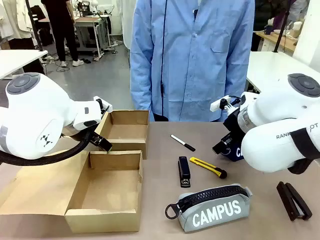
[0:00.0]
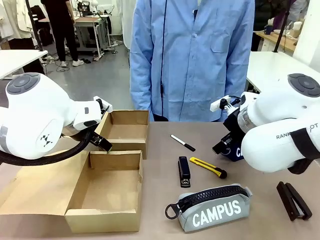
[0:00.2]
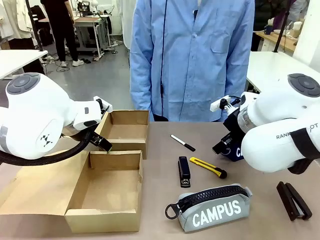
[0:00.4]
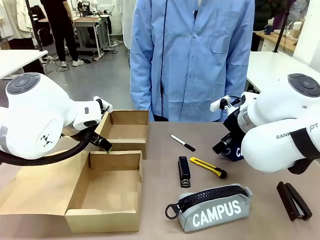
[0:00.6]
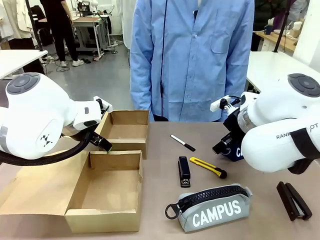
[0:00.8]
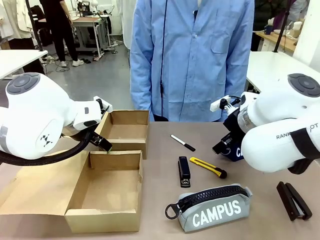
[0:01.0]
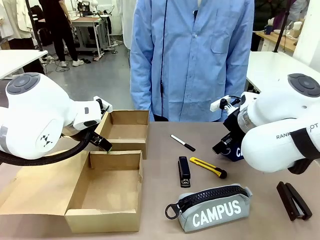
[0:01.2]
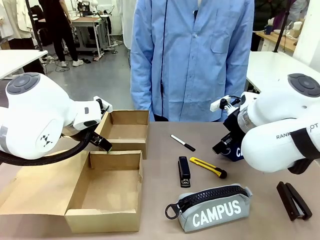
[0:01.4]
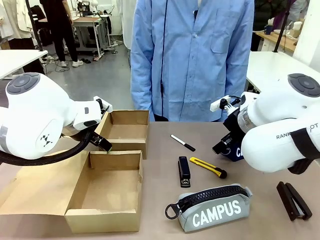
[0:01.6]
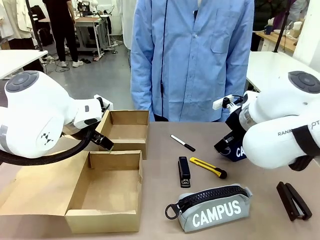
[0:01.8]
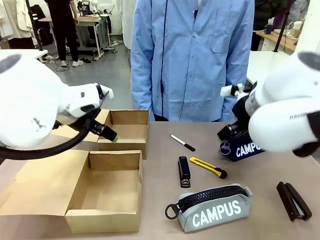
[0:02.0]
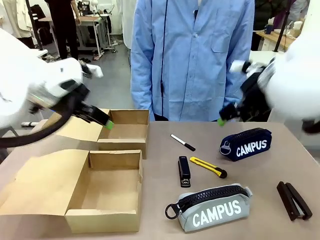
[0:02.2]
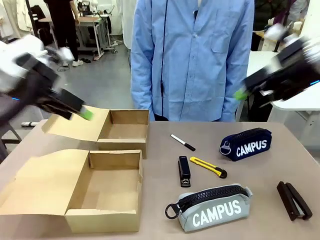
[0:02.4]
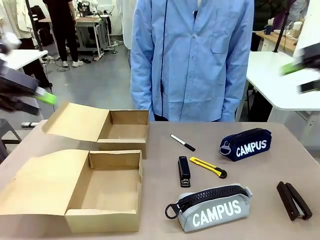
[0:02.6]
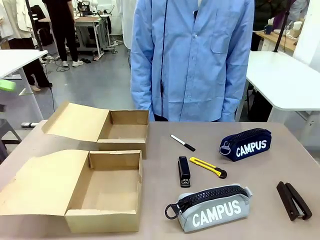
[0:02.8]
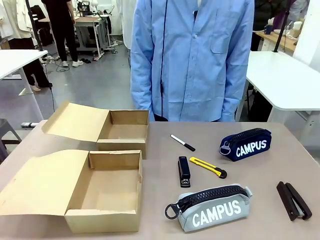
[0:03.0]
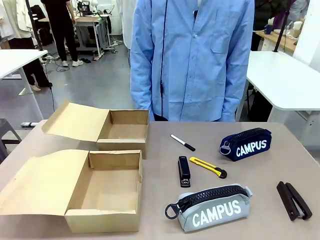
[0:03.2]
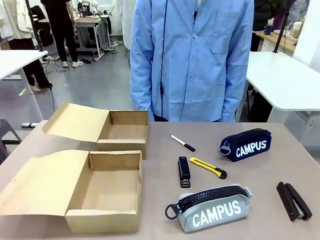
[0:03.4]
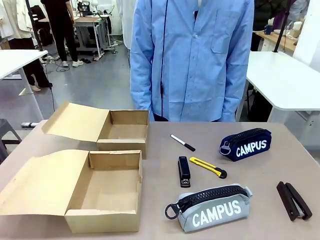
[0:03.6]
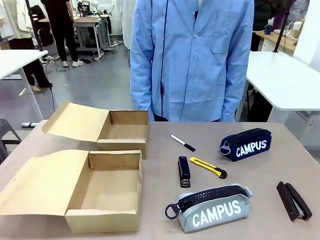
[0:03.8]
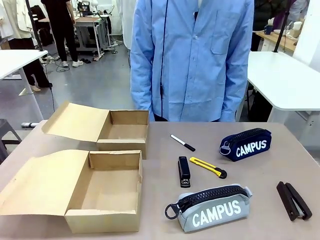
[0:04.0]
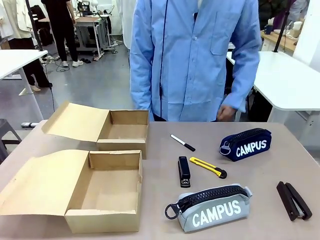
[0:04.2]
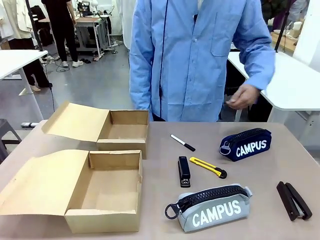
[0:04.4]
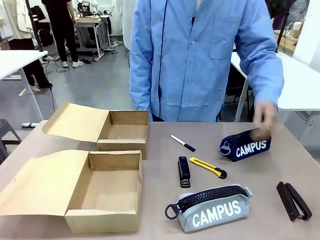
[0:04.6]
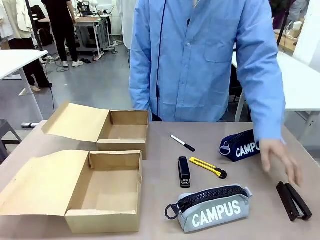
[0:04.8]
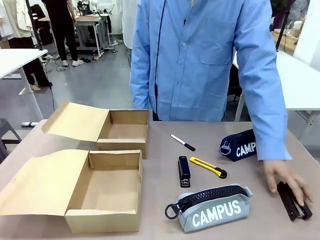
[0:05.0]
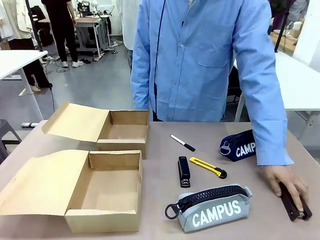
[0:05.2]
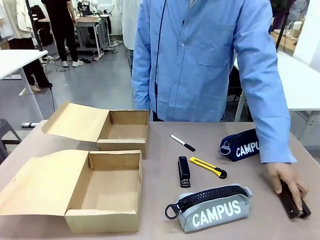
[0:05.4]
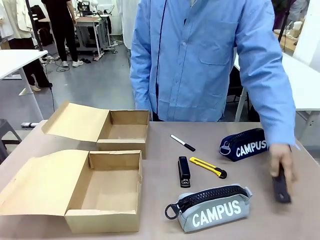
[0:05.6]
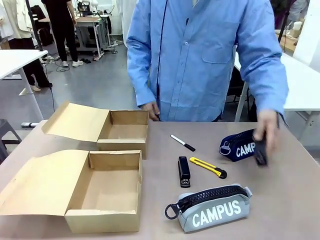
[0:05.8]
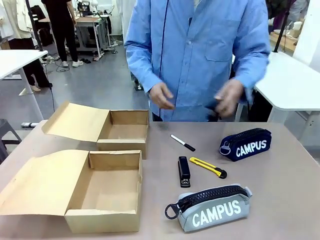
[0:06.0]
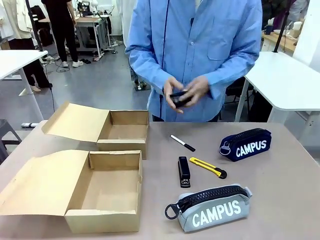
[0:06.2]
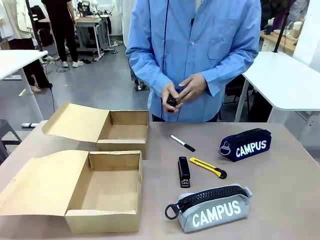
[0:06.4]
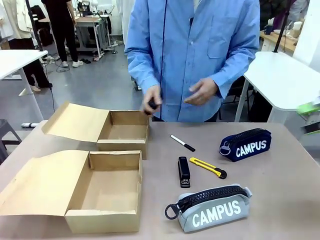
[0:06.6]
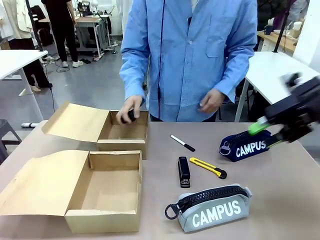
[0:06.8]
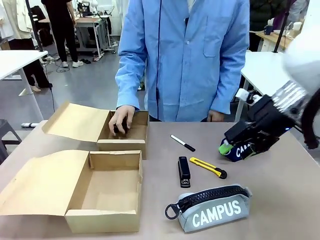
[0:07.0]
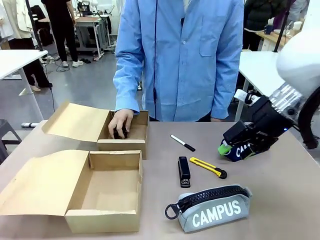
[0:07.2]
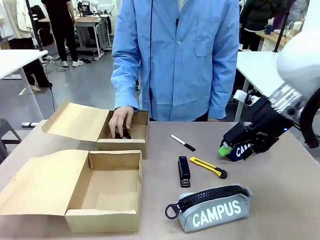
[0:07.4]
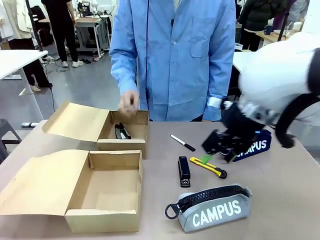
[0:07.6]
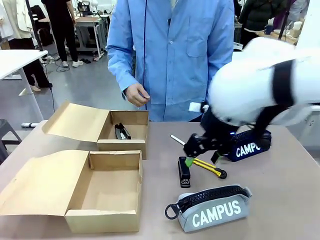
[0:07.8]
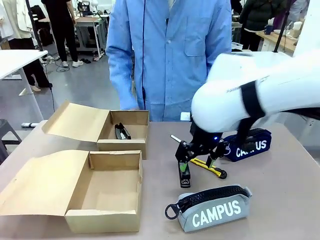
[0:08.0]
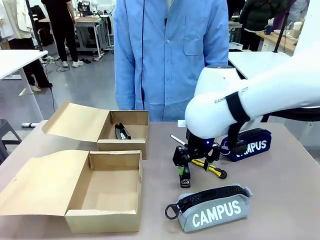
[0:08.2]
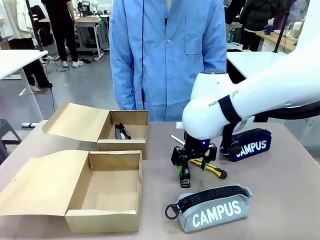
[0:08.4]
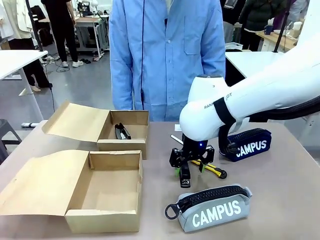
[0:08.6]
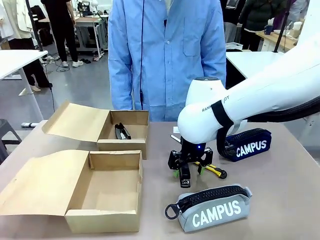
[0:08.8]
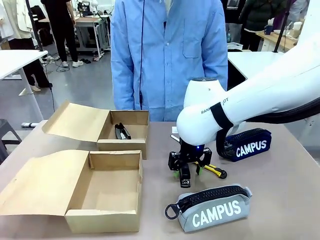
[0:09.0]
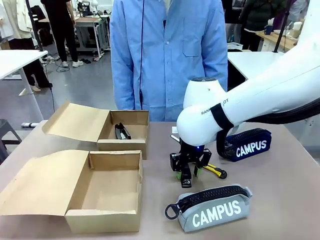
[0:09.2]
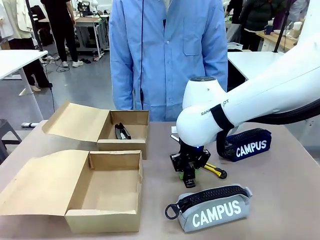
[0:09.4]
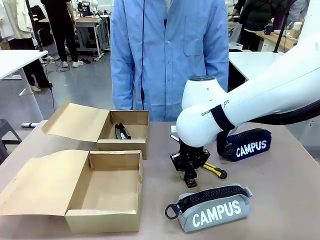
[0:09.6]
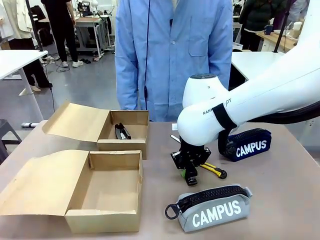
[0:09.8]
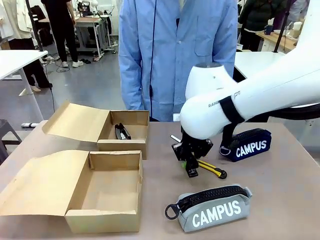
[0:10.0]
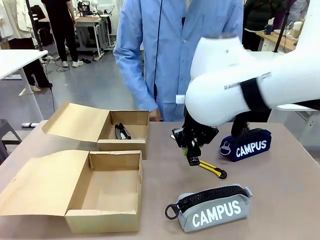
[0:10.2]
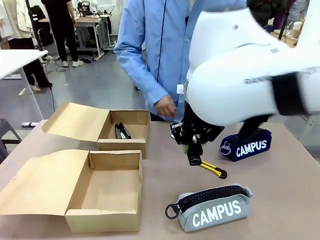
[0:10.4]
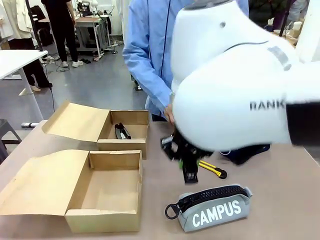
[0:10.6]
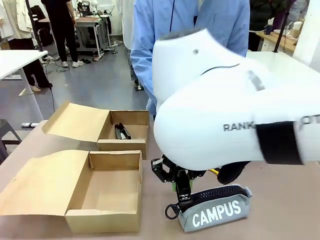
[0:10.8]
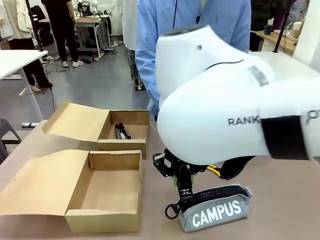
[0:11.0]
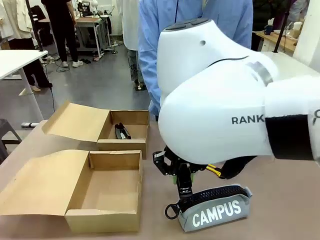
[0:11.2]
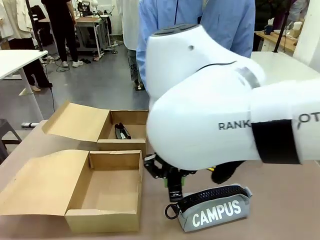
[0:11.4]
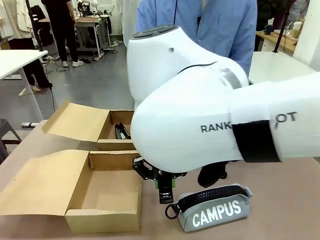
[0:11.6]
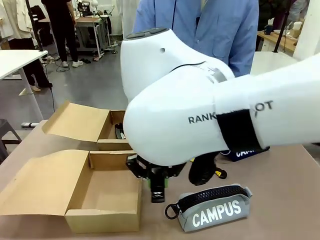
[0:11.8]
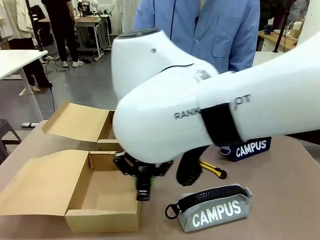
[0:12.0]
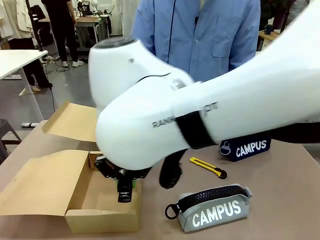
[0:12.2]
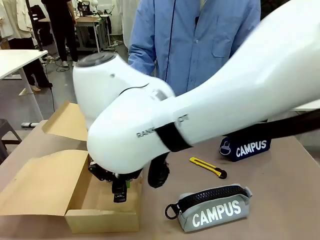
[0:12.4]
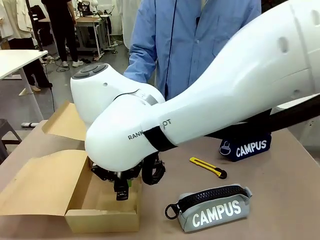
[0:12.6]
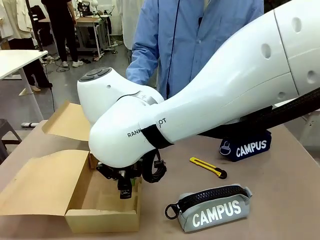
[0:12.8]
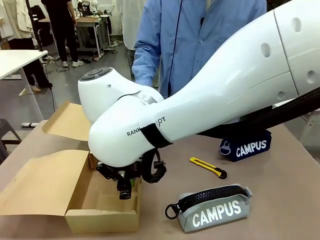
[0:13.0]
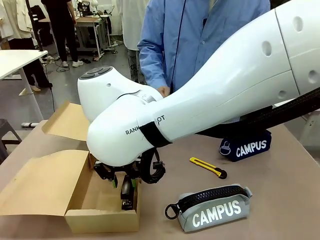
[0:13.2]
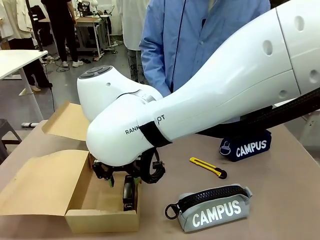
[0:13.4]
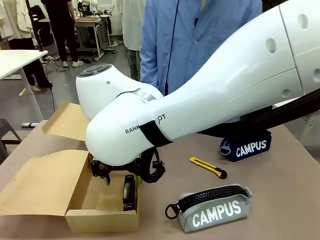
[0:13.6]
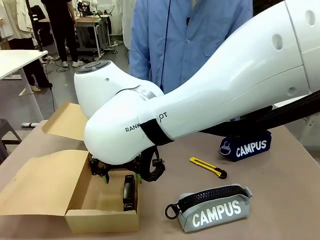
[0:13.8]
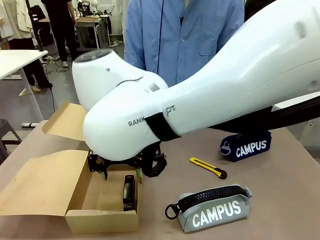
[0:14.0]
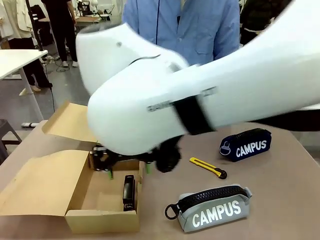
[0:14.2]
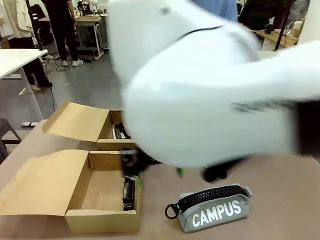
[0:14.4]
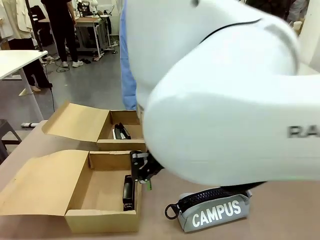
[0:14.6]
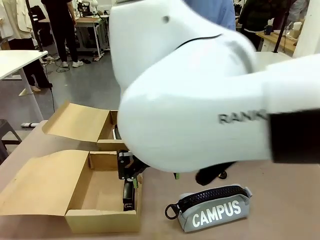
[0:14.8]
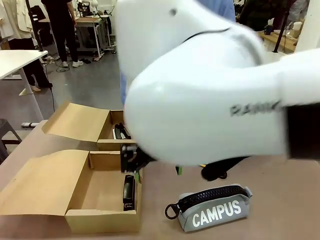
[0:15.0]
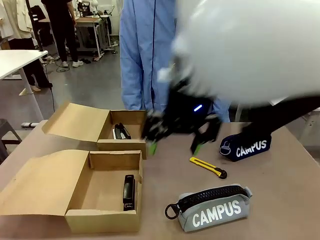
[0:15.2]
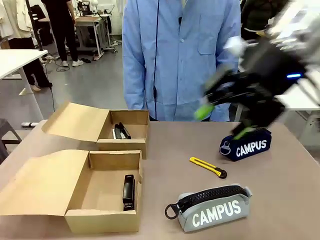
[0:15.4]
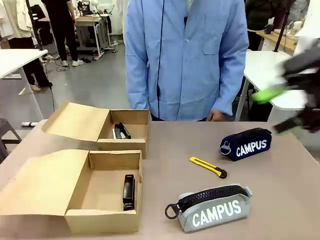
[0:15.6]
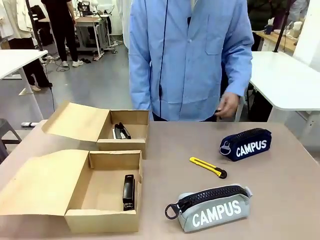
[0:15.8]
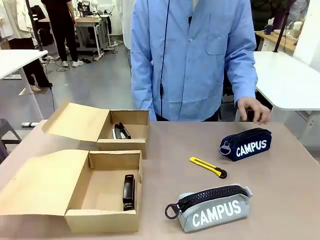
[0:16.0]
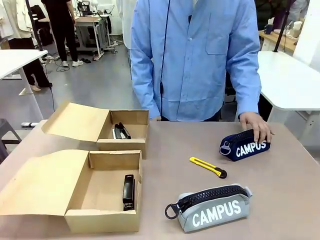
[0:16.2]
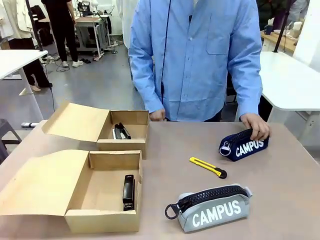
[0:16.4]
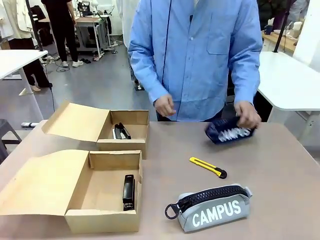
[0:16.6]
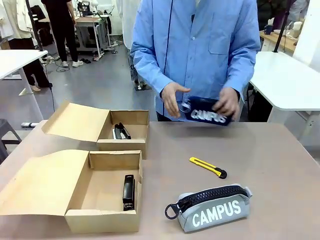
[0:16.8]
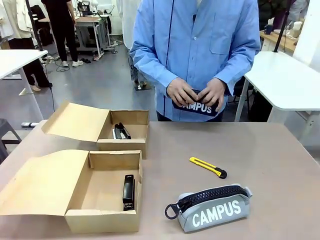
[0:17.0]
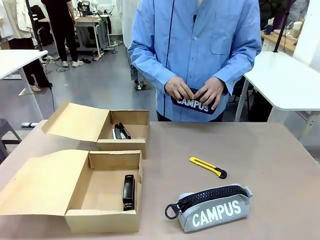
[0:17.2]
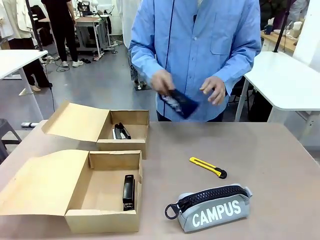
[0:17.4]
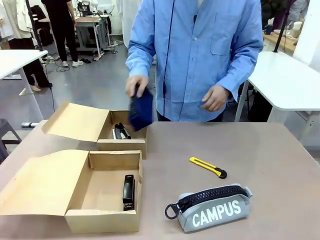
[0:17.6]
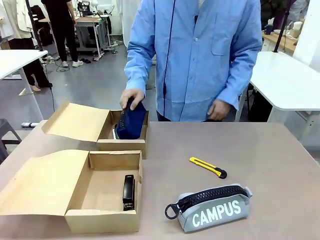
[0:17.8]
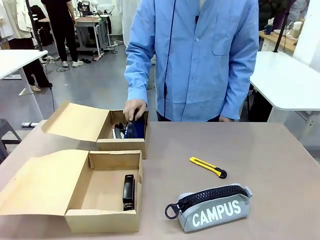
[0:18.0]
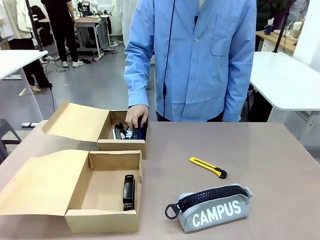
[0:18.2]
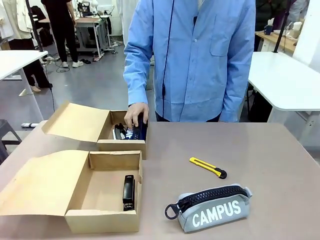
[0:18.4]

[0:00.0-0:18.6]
Task: Place items inside the box.
Robot: Pick up a Pencil pouch or Stapler and place it inside the Mailer Box closest to the robot.
Person: Pick up an object on the table and put it in the box.
